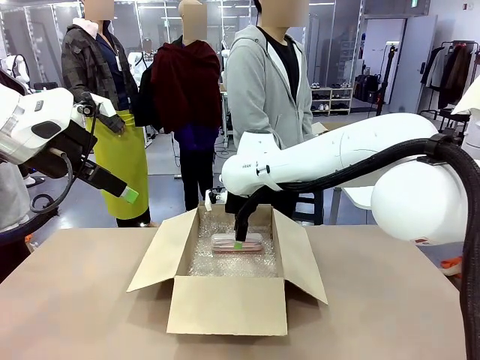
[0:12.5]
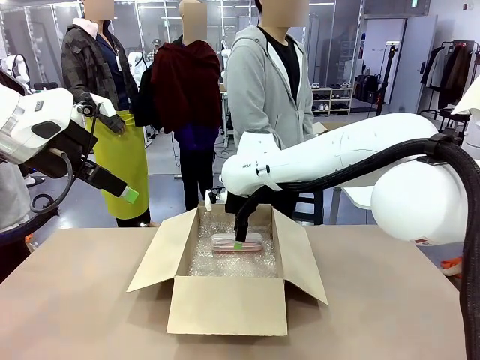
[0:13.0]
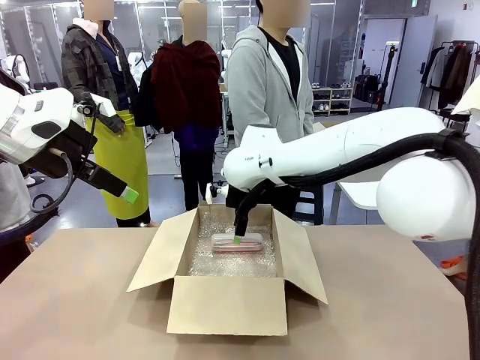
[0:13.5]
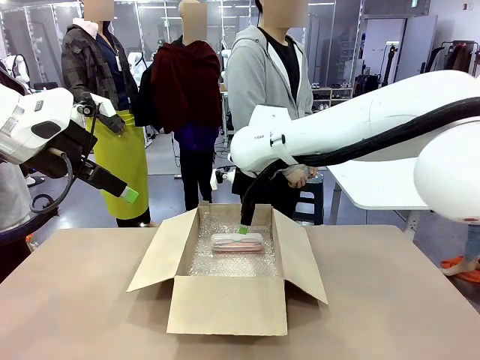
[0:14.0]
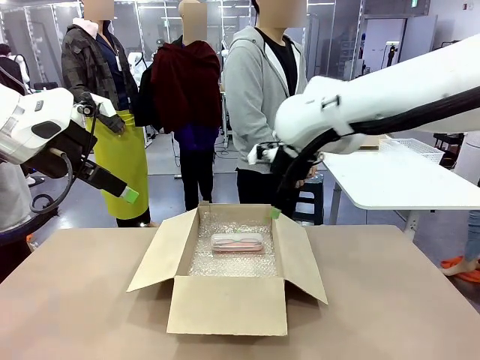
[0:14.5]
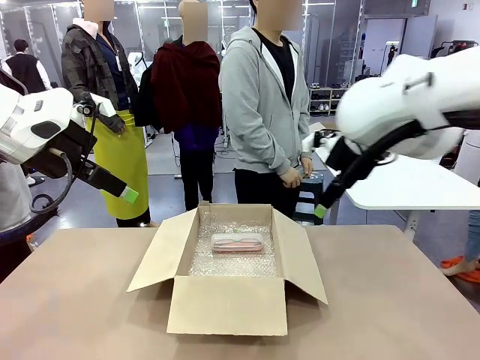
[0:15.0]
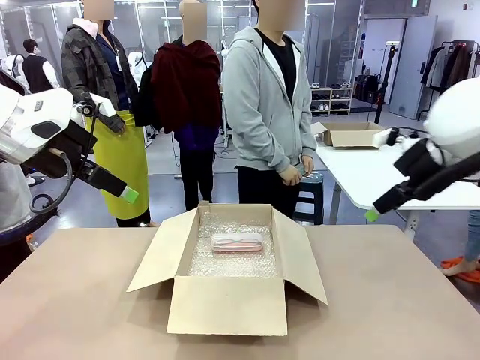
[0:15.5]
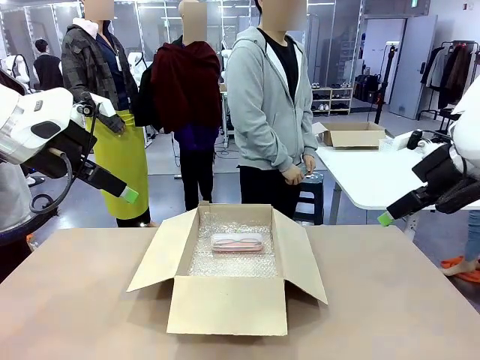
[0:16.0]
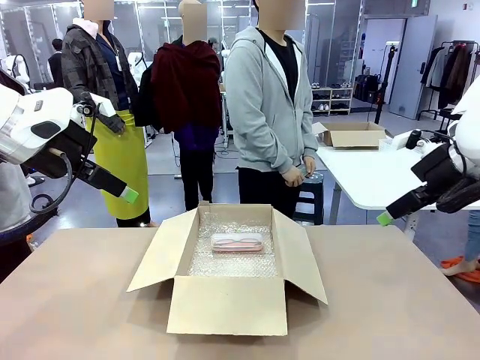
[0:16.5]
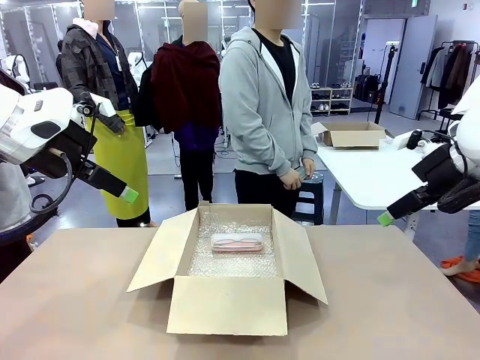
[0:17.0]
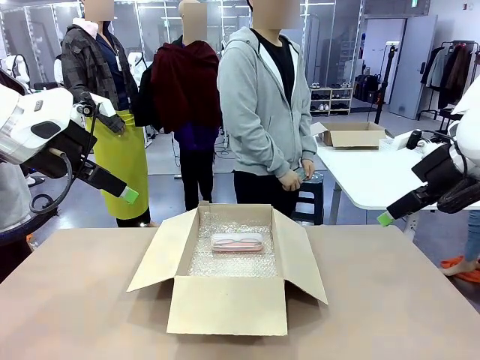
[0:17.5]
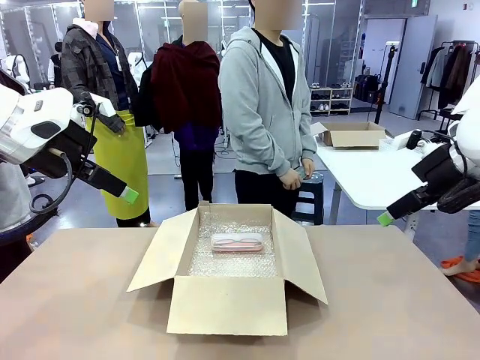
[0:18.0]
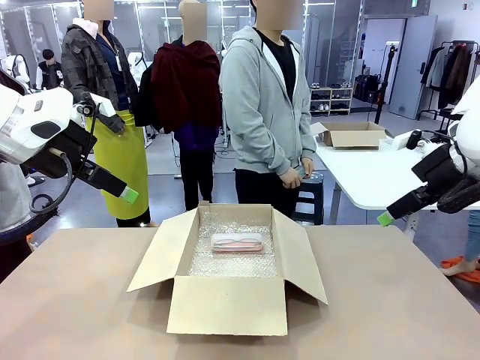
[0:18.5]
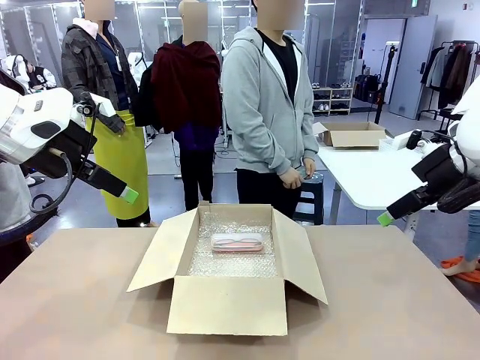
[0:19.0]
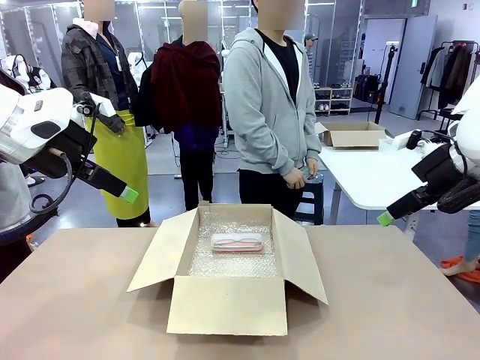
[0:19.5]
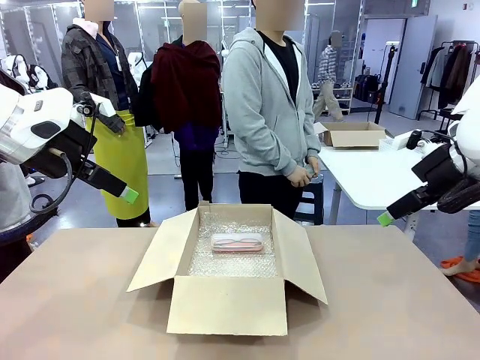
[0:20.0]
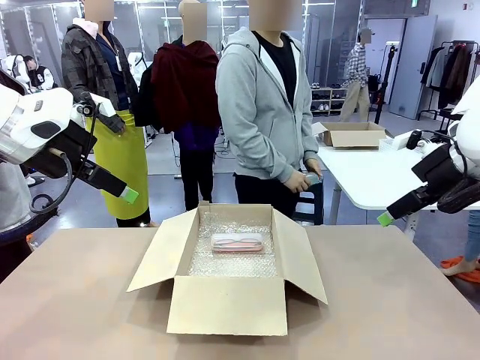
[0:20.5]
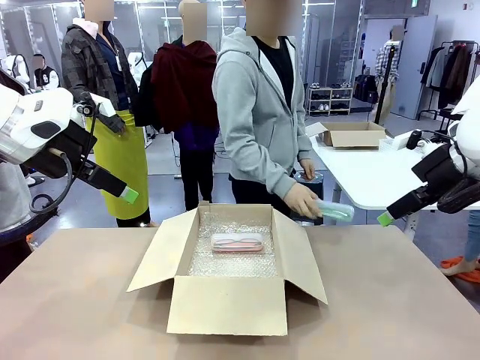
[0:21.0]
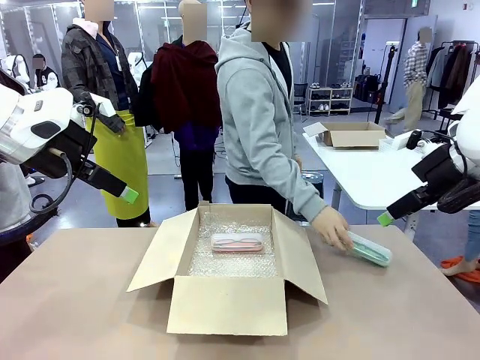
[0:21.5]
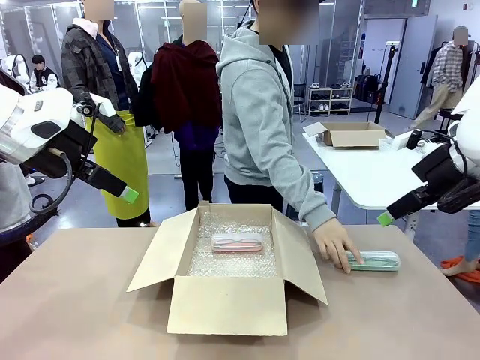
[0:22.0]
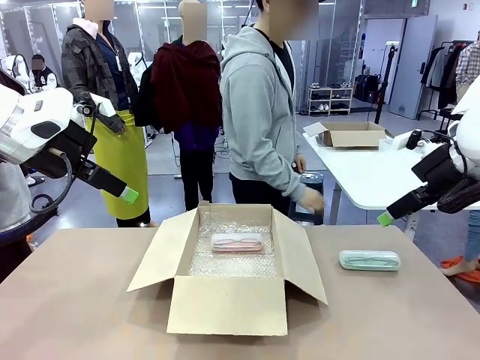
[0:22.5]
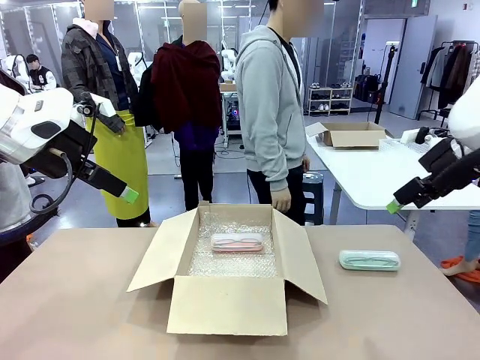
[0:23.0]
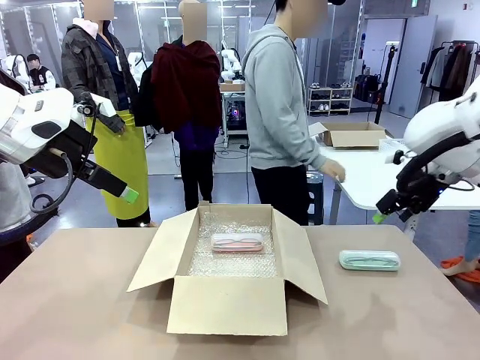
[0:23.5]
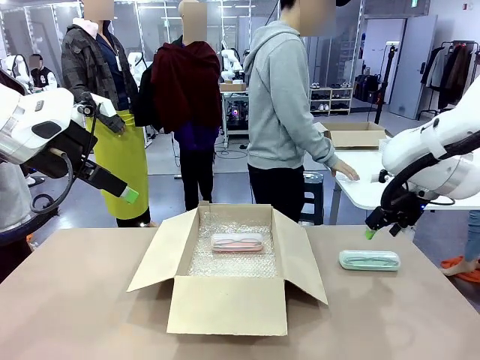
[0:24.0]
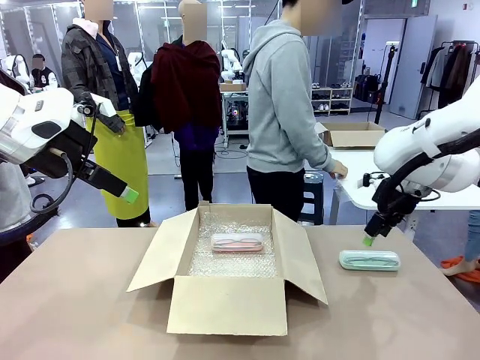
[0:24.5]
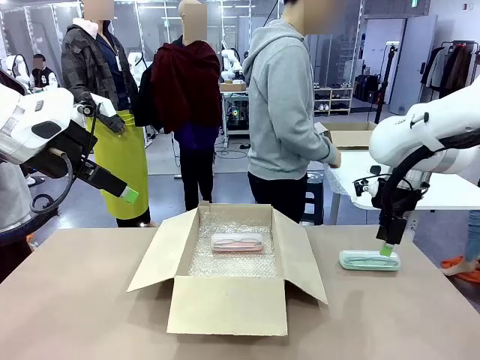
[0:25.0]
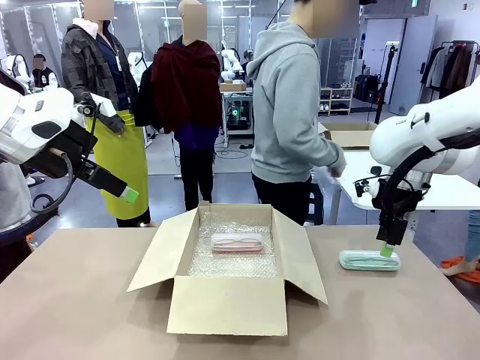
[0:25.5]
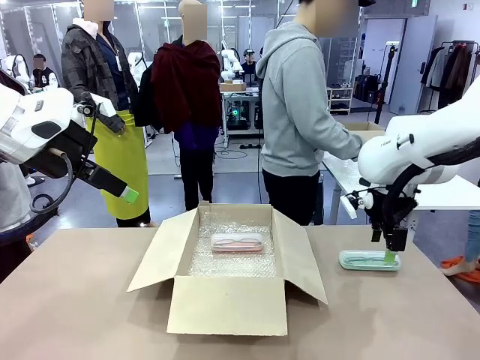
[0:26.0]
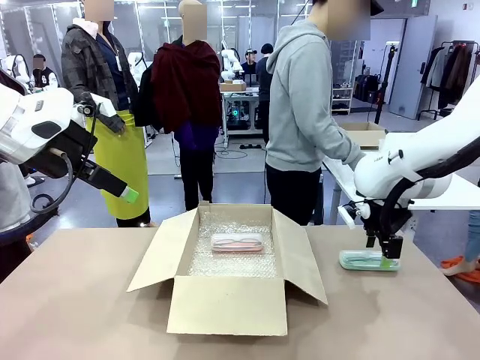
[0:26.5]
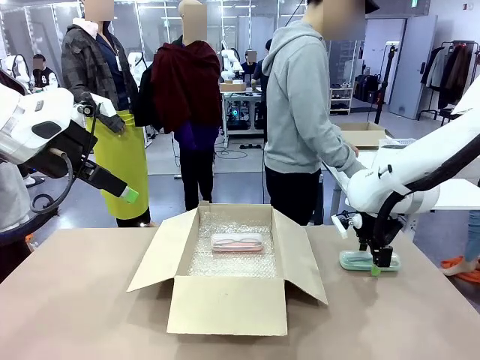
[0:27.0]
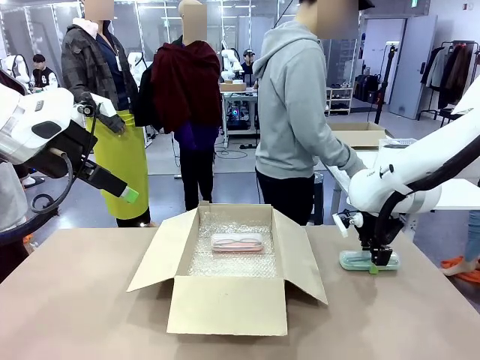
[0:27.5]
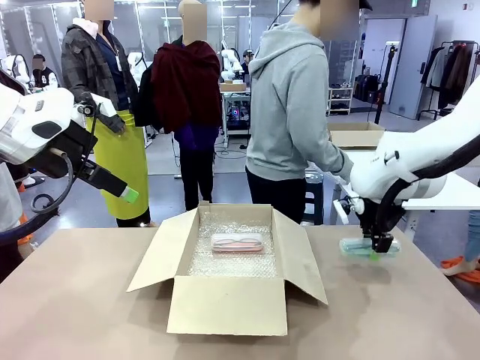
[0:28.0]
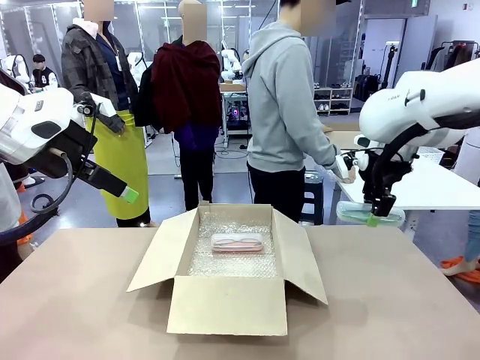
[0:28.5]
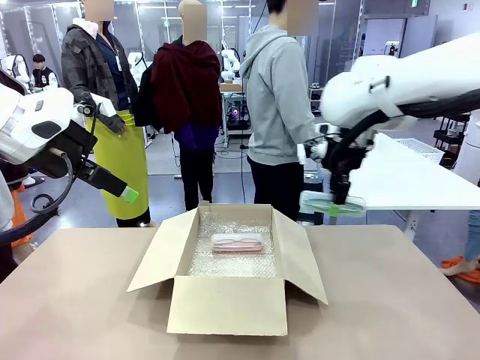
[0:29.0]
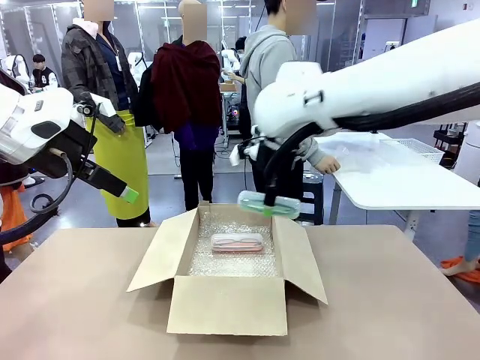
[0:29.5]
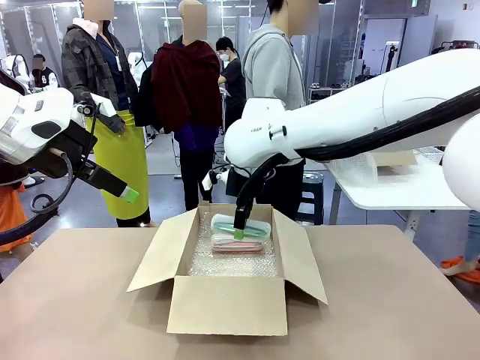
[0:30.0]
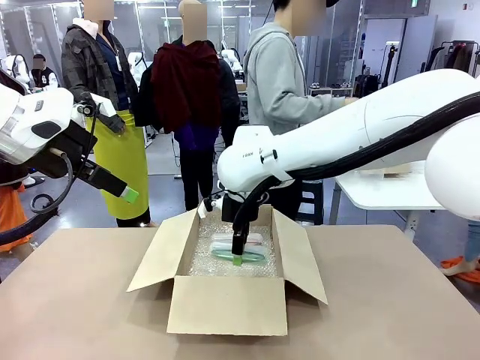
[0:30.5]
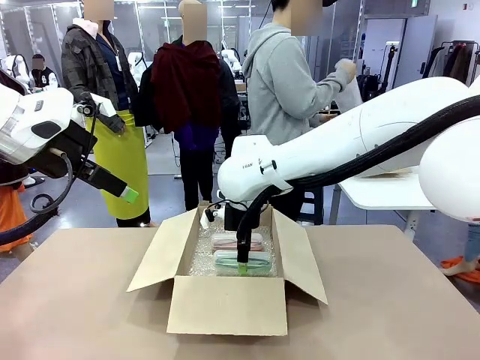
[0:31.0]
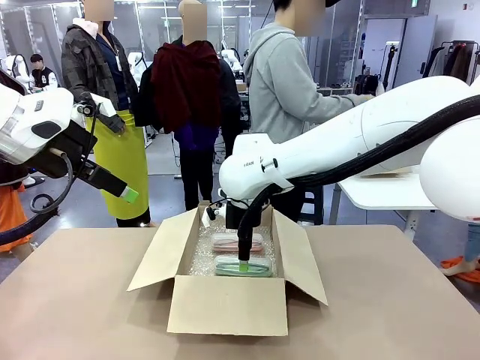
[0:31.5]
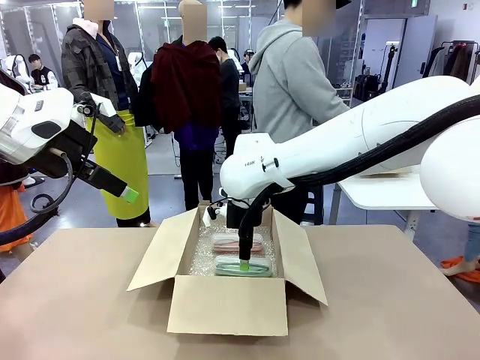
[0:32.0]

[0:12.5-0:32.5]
Task: Pack the glasses set securely to prepare it for shipping.
Robot: Put the Glasses case from the right side of the table into the Package Box.
Person: Position the Glasses case on the left side of the robot's table.

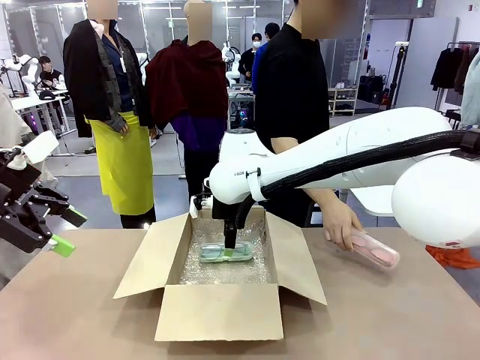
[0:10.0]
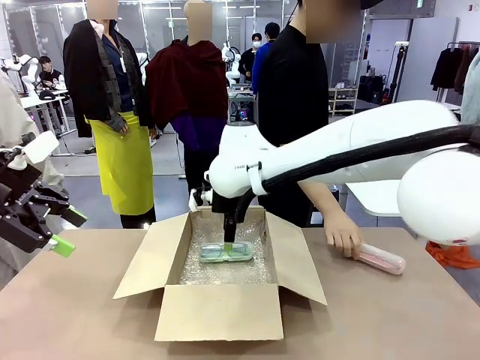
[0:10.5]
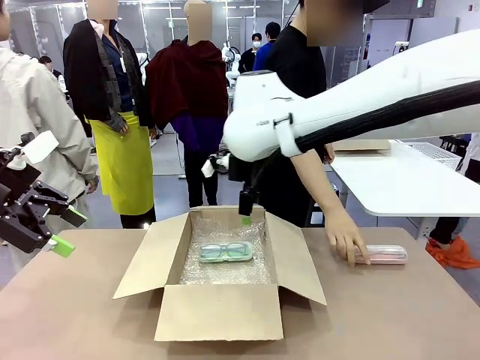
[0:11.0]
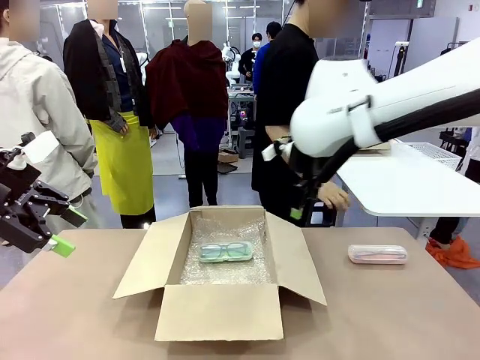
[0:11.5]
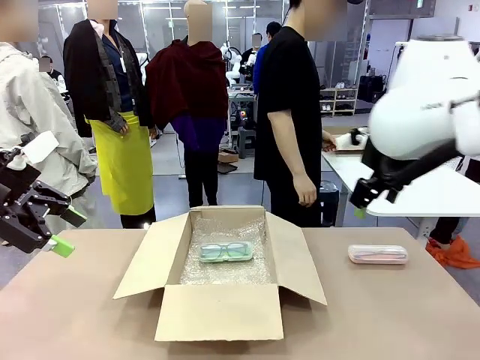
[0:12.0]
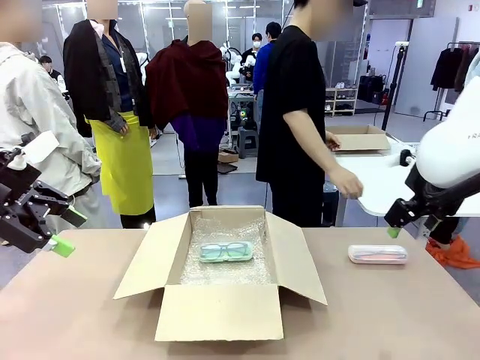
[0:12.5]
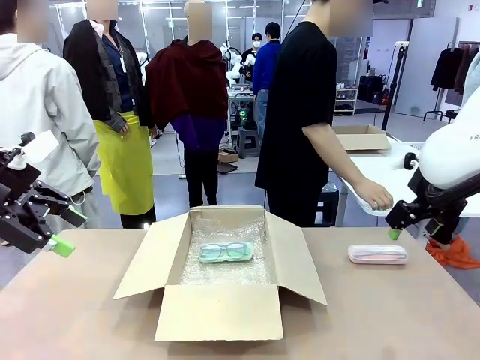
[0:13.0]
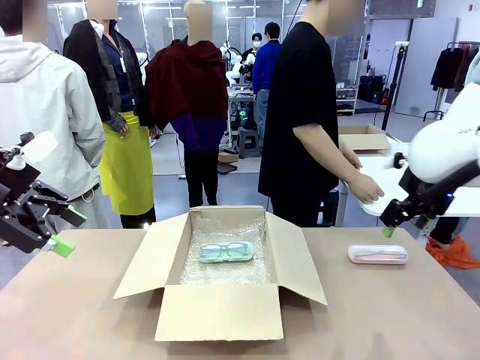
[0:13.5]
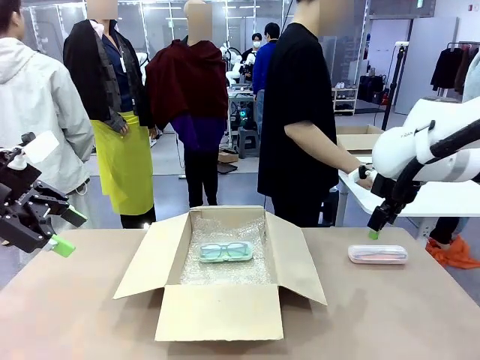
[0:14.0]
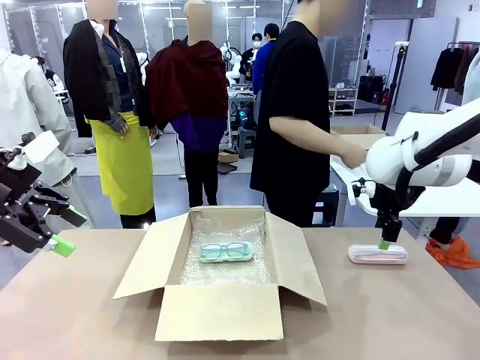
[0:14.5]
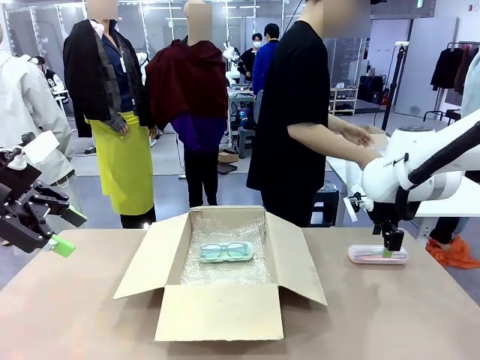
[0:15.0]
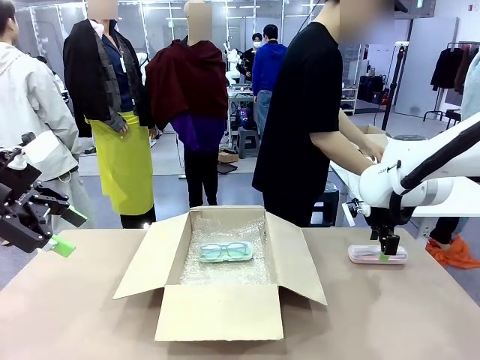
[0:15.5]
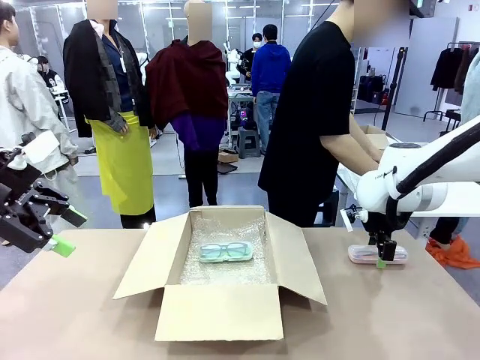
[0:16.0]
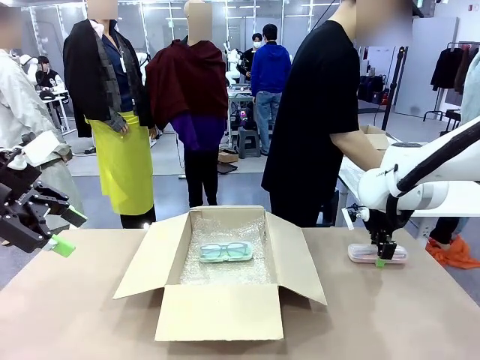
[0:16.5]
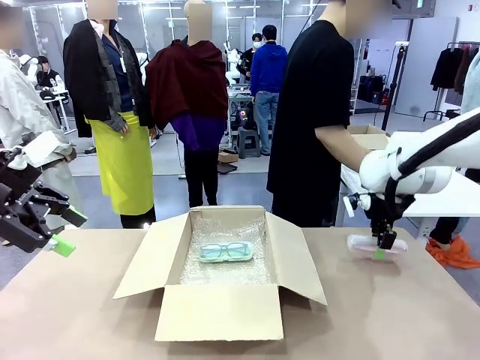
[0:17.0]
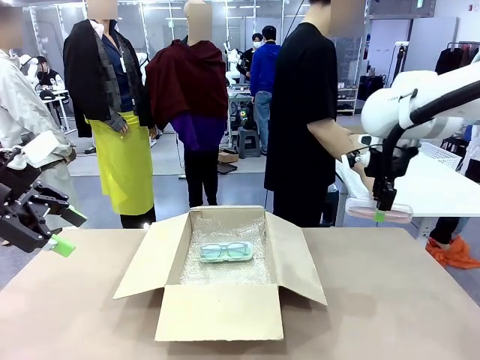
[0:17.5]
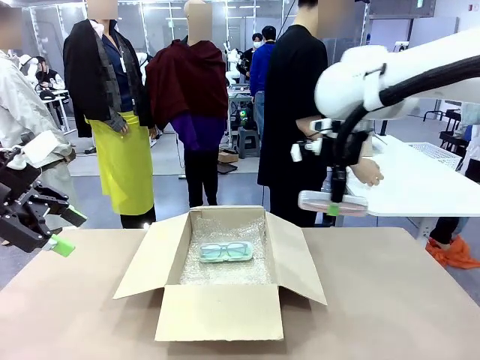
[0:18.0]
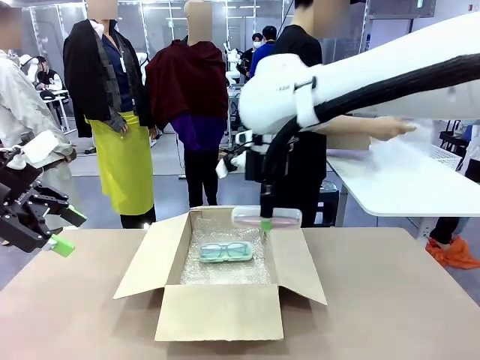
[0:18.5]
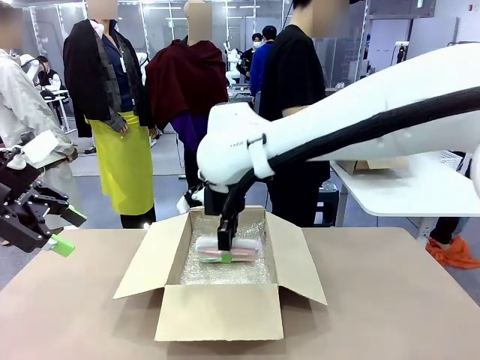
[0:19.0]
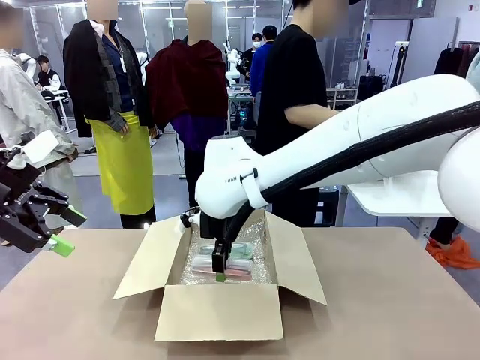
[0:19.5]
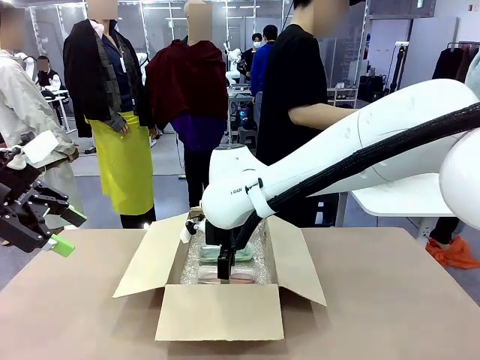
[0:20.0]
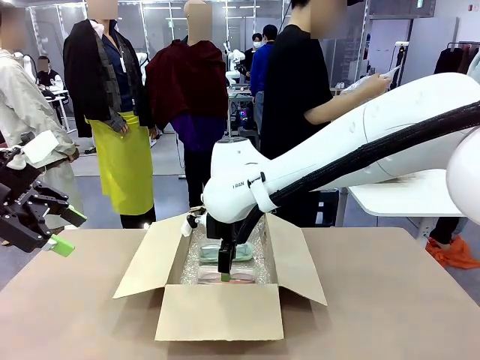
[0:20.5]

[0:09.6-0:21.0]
Task: Pack the glasses set securely to prepare it for shipping.
Robot: Put the Glasses case from the right side of the table into the Package Box.
